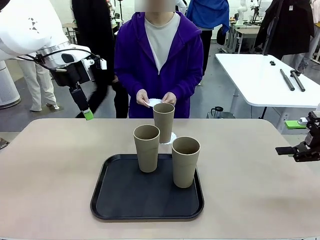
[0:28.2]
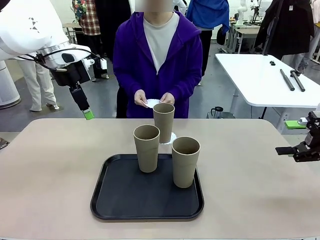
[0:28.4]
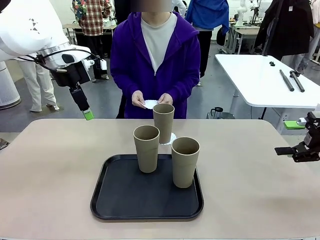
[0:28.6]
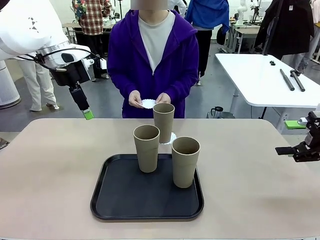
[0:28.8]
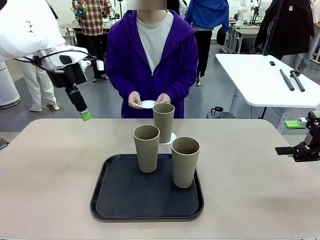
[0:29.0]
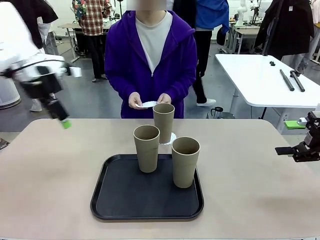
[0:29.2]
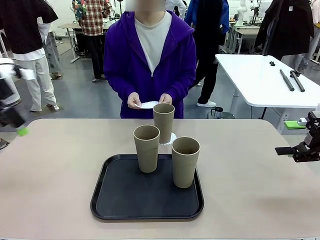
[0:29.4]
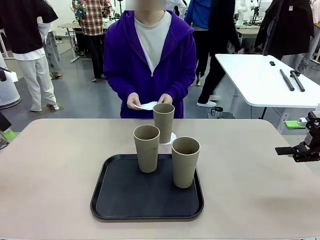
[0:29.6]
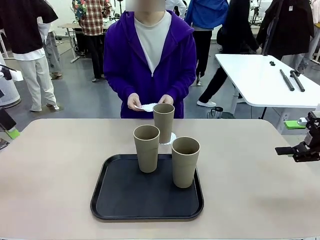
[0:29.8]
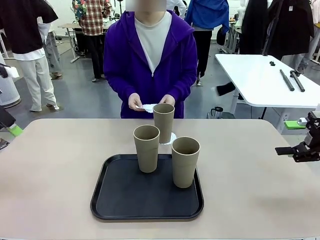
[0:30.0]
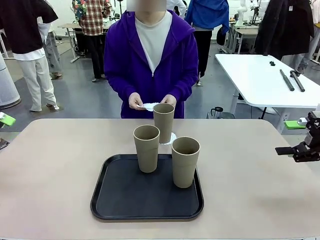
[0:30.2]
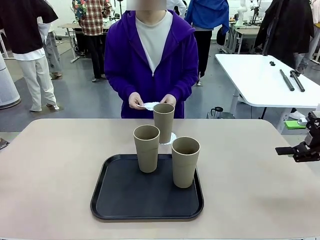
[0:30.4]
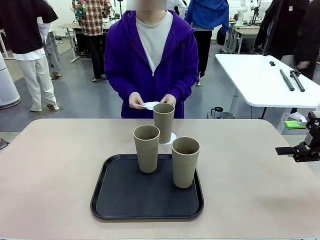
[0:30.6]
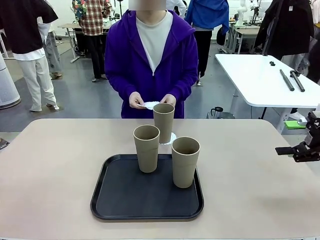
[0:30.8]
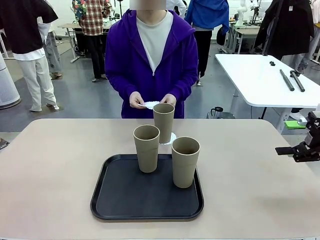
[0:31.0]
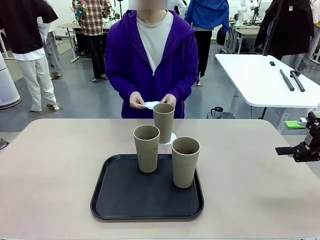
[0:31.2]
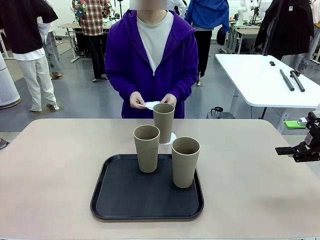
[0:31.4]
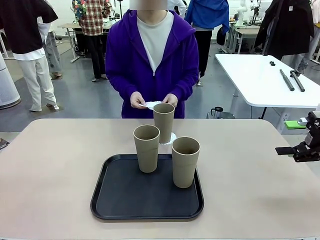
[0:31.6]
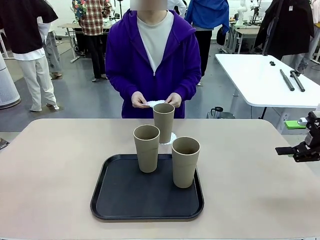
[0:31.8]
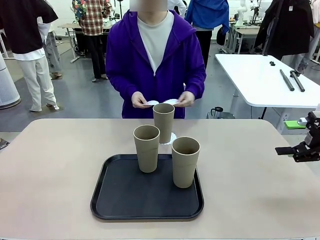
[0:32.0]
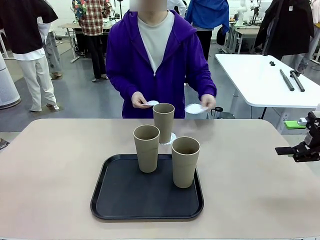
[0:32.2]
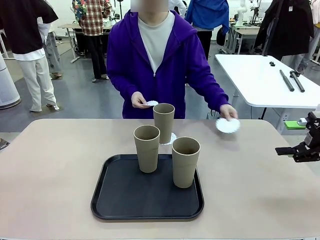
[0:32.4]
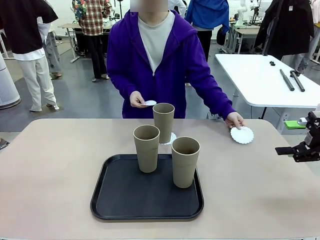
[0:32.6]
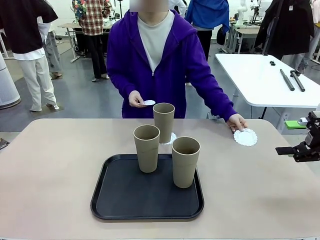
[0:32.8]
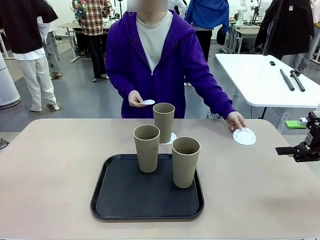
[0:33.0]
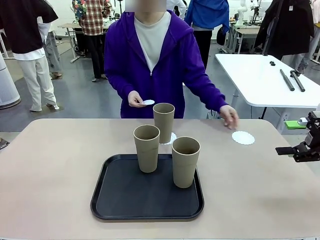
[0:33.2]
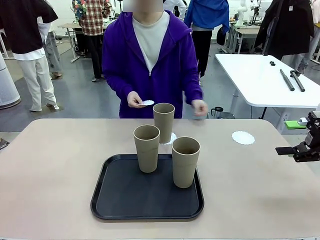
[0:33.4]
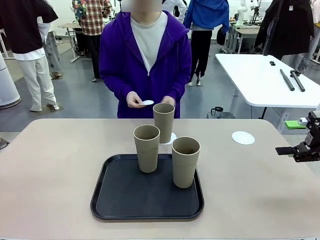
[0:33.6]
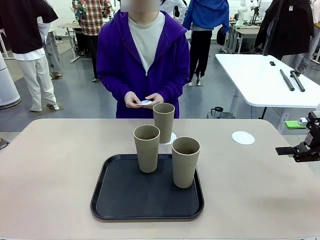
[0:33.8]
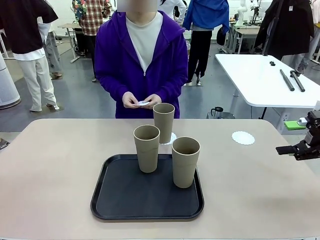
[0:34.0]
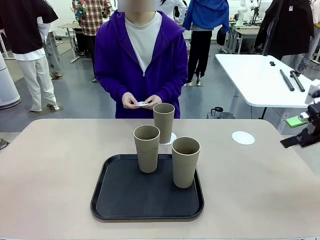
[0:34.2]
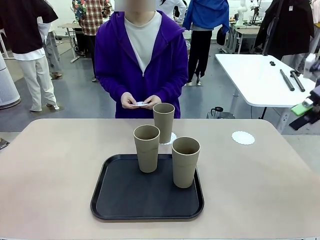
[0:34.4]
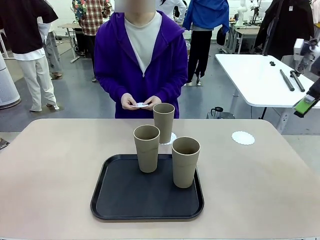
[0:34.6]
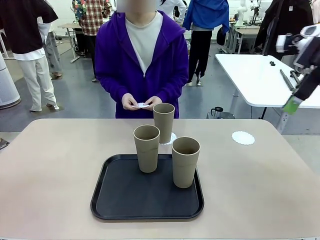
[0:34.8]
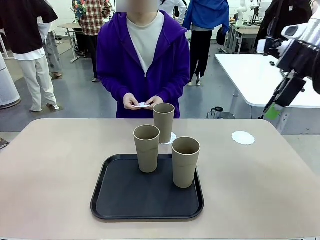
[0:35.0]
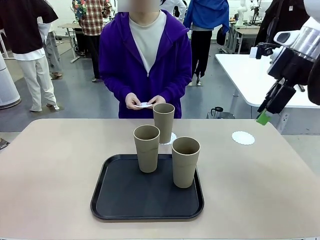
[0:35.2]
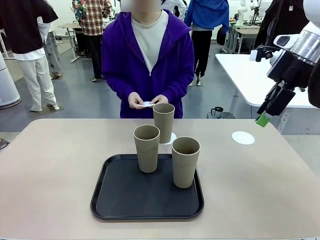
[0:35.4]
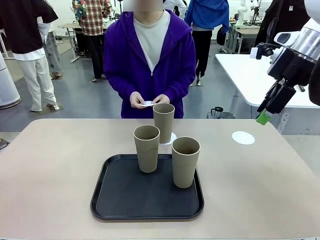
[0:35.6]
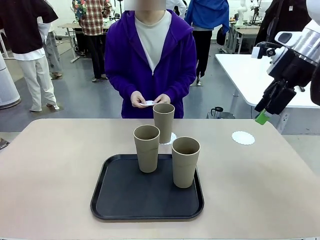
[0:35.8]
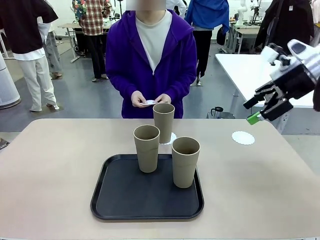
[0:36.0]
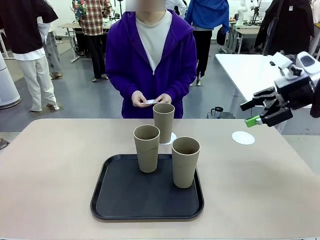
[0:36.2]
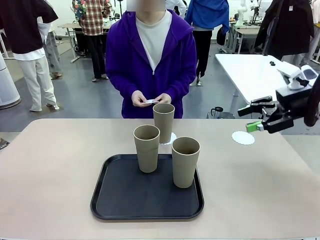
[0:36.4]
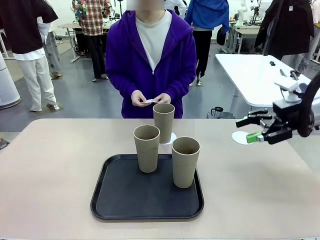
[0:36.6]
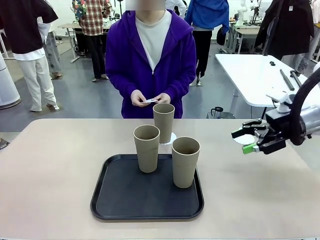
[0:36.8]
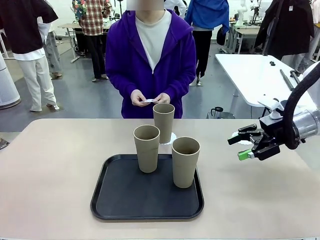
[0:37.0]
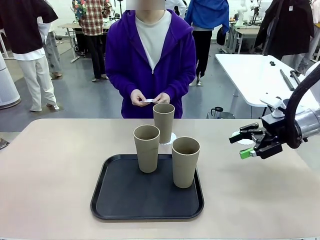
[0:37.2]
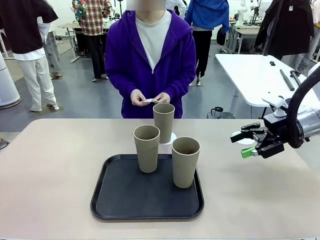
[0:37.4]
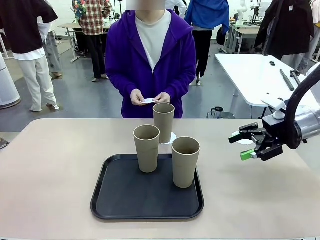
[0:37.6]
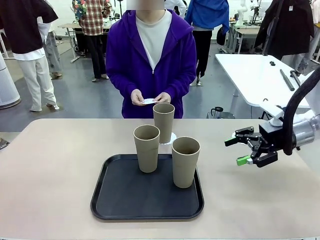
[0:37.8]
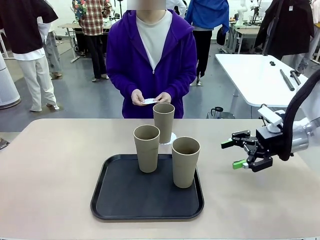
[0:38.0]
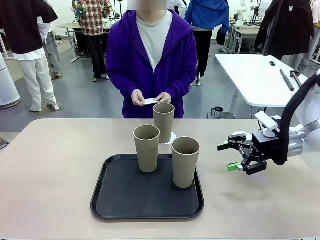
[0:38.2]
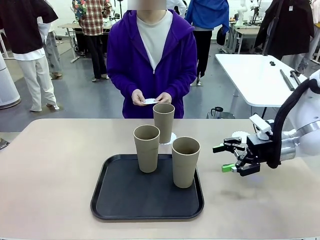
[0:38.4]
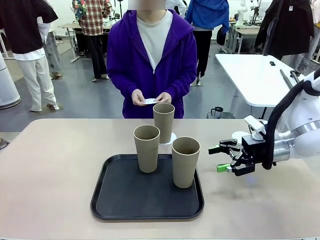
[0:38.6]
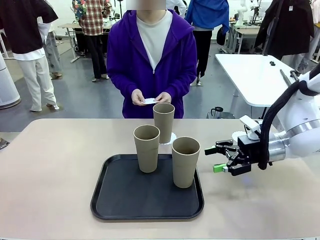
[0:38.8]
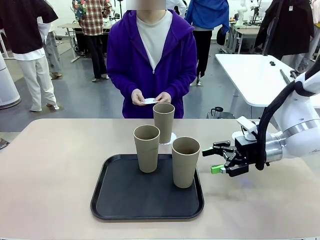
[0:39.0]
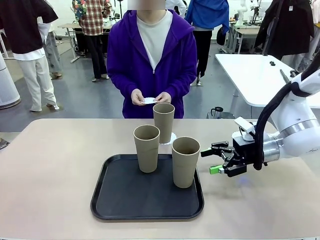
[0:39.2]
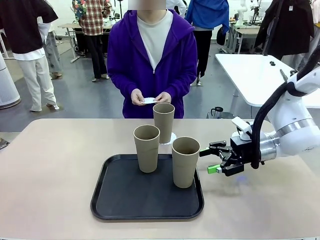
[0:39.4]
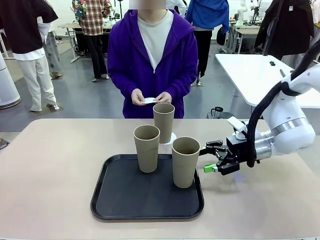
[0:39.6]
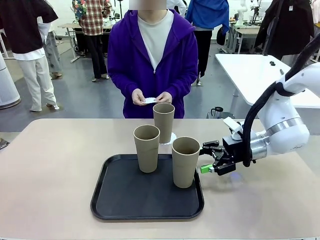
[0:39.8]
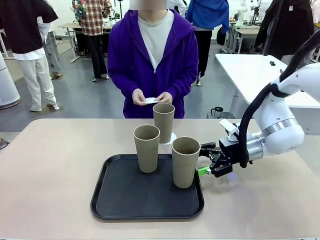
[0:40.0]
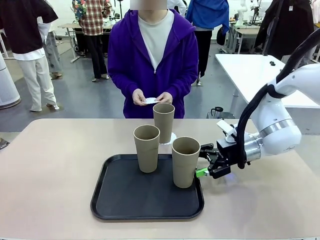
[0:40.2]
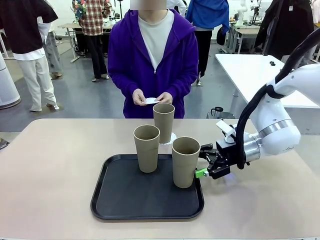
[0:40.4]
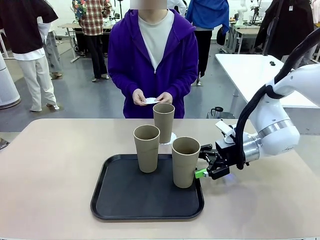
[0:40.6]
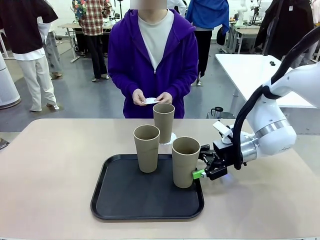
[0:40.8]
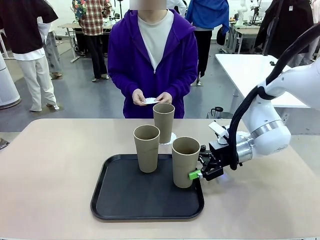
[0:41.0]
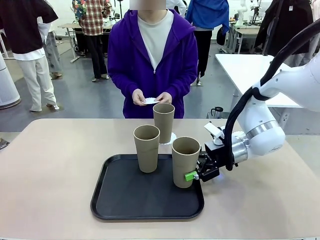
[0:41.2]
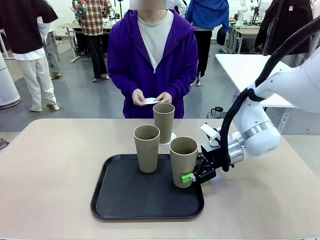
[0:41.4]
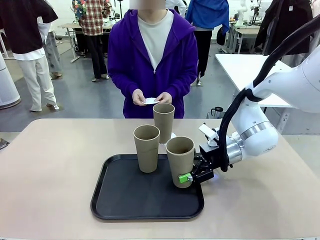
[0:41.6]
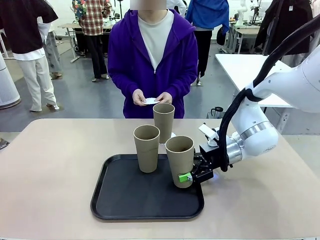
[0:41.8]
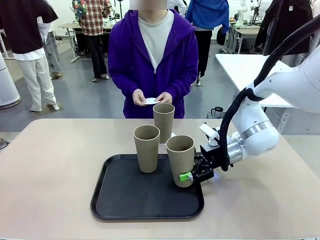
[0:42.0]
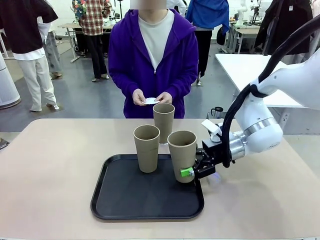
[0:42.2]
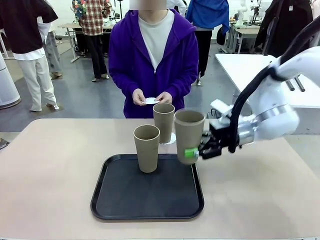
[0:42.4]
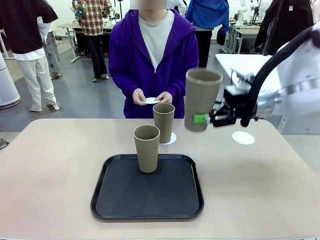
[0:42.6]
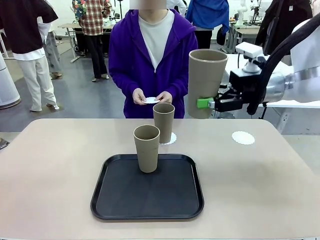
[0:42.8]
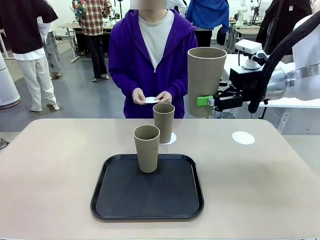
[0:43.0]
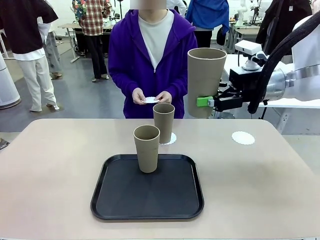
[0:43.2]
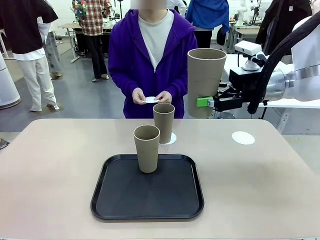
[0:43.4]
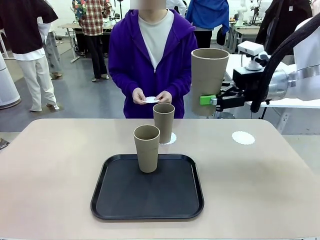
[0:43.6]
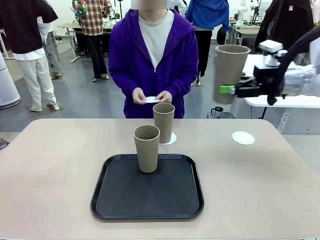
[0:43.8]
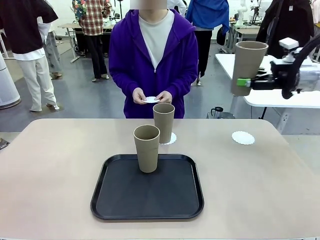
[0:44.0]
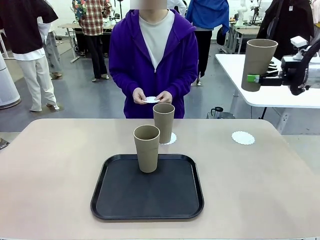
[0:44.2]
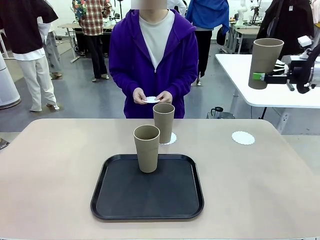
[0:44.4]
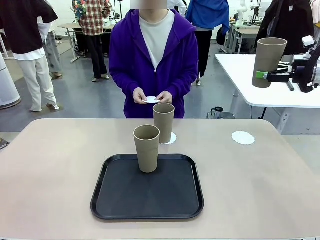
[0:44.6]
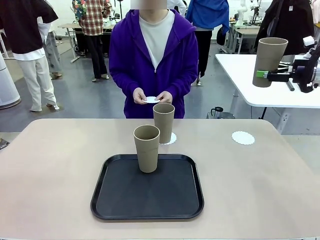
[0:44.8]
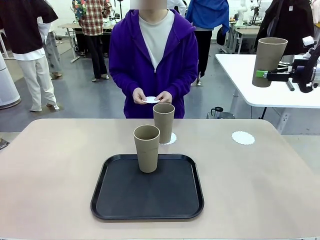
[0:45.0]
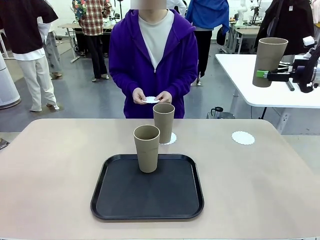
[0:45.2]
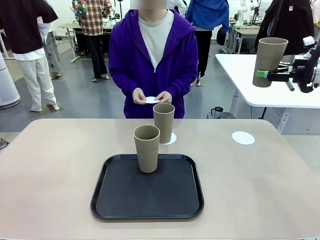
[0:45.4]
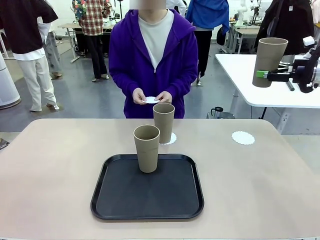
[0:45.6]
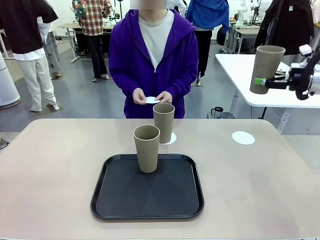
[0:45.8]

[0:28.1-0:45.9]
Task: Place coasters on the table and set cups on them.
Robot: Take one Reusable plastic cup from the Flat Tray and place it on a coaster set by the human.
